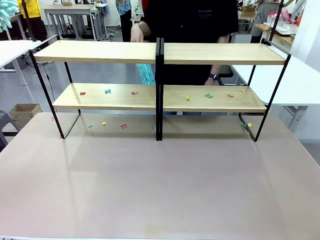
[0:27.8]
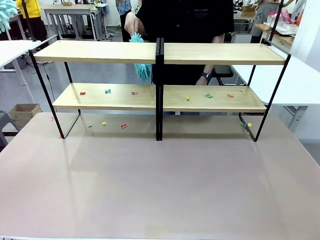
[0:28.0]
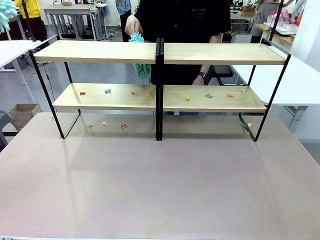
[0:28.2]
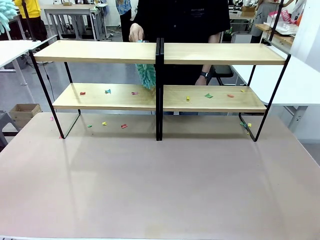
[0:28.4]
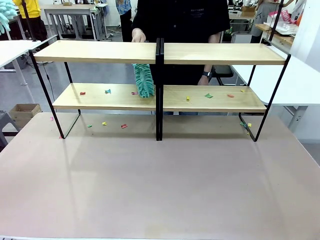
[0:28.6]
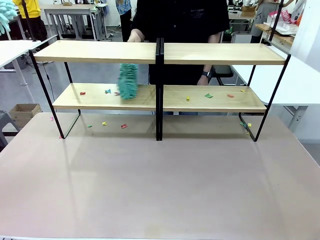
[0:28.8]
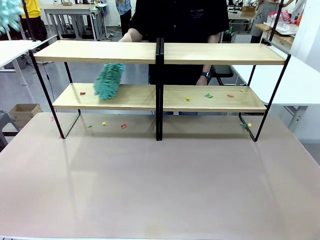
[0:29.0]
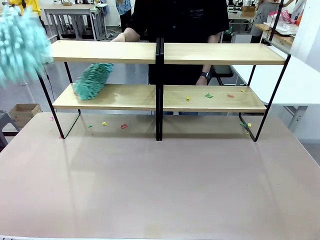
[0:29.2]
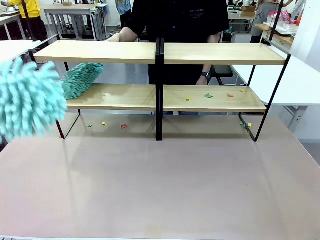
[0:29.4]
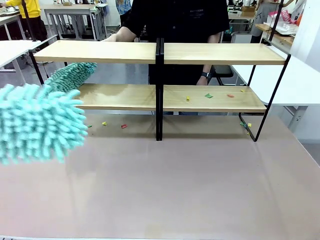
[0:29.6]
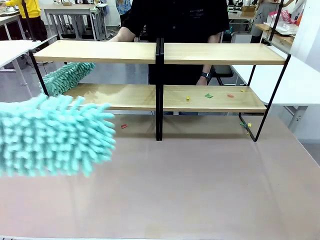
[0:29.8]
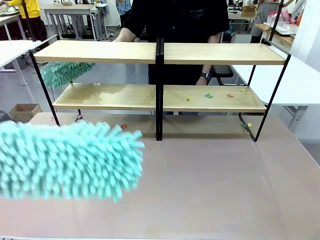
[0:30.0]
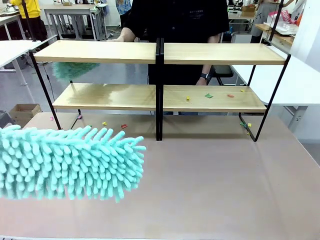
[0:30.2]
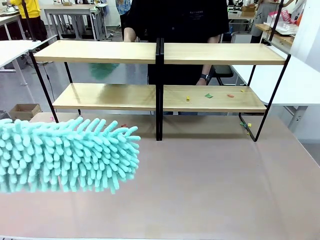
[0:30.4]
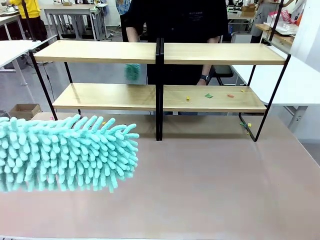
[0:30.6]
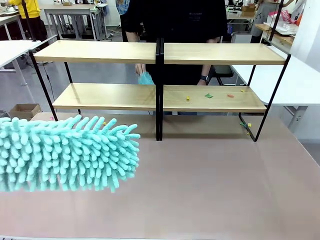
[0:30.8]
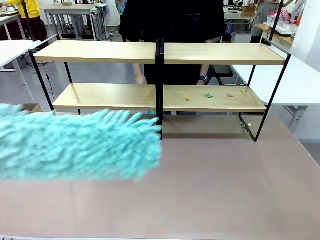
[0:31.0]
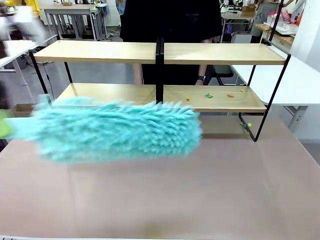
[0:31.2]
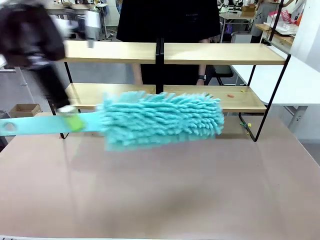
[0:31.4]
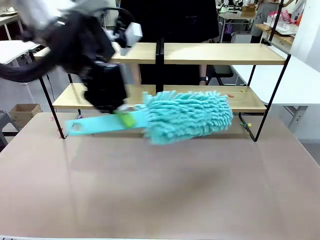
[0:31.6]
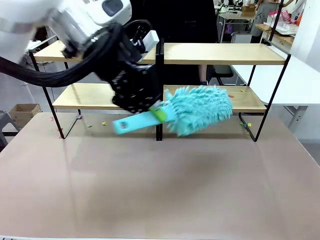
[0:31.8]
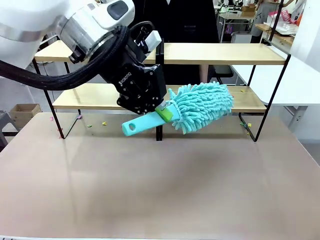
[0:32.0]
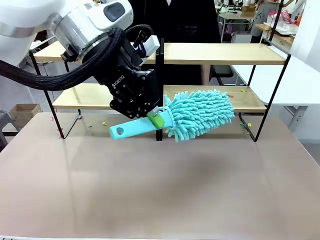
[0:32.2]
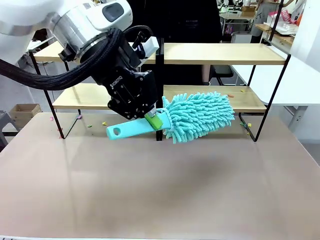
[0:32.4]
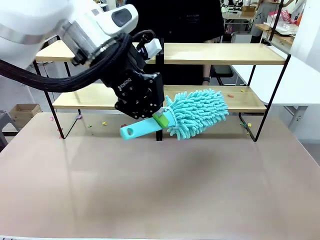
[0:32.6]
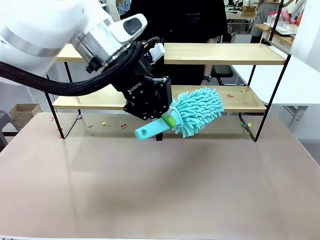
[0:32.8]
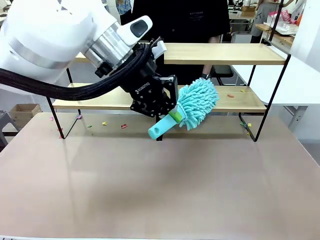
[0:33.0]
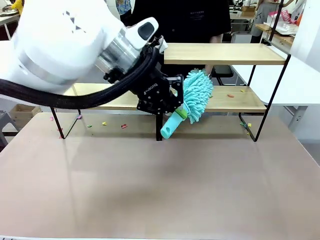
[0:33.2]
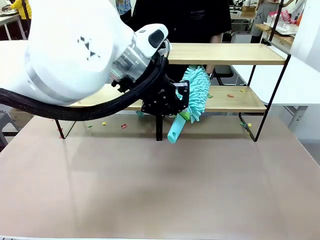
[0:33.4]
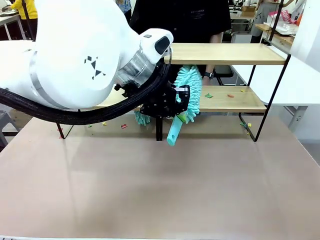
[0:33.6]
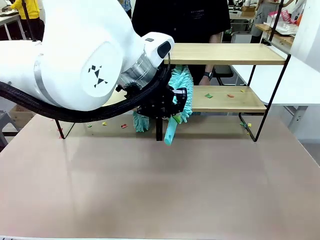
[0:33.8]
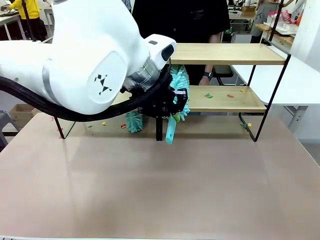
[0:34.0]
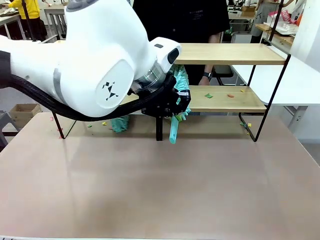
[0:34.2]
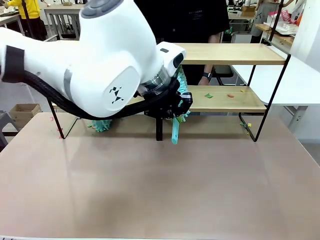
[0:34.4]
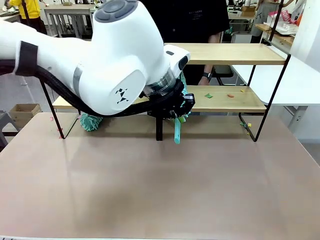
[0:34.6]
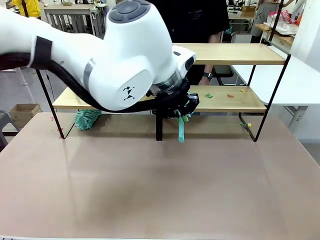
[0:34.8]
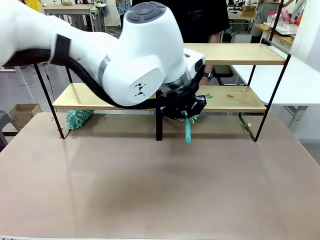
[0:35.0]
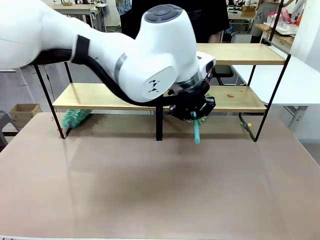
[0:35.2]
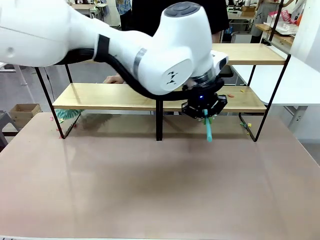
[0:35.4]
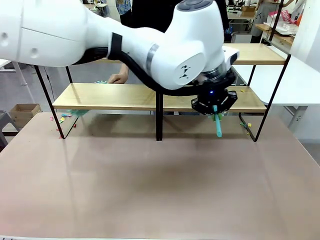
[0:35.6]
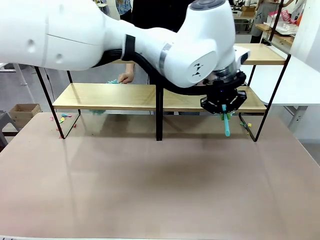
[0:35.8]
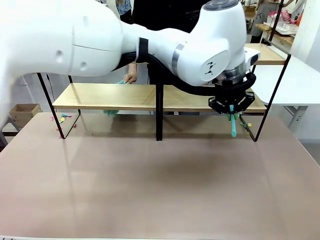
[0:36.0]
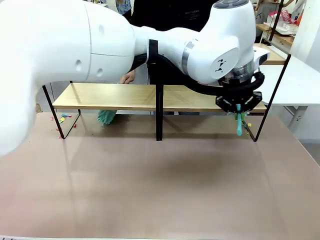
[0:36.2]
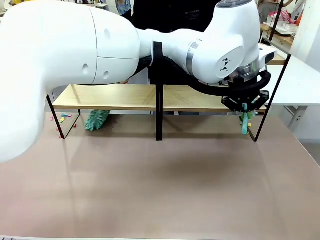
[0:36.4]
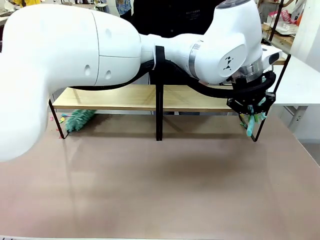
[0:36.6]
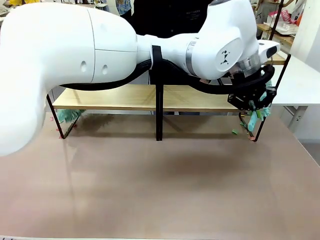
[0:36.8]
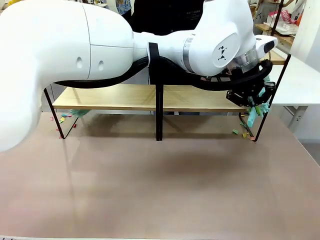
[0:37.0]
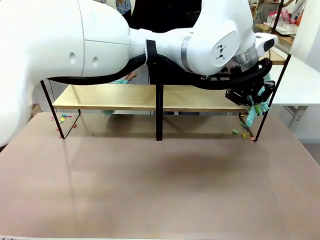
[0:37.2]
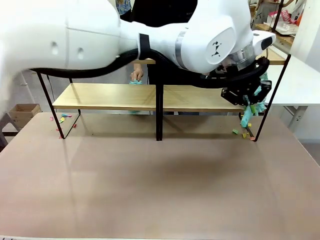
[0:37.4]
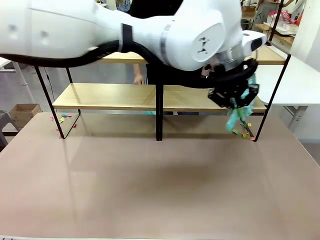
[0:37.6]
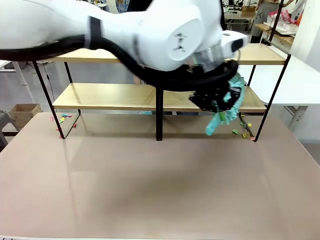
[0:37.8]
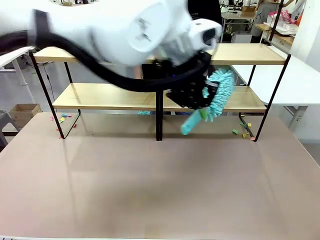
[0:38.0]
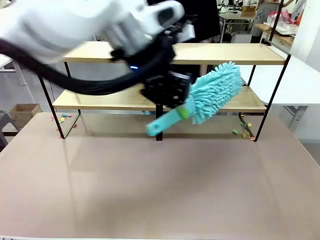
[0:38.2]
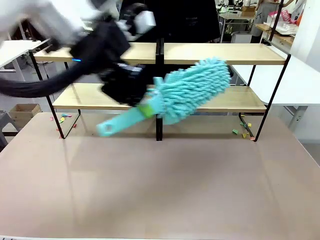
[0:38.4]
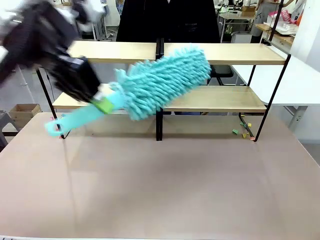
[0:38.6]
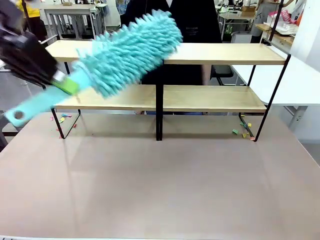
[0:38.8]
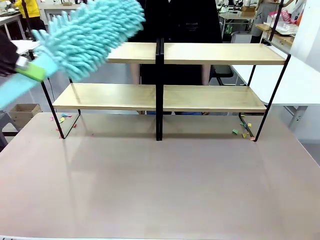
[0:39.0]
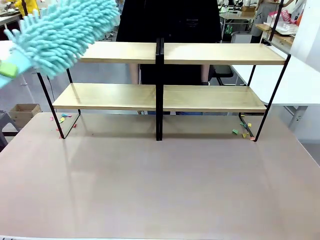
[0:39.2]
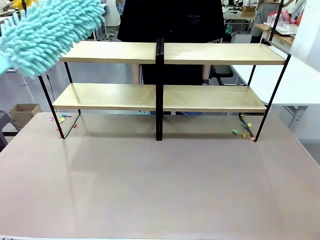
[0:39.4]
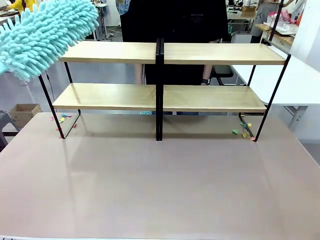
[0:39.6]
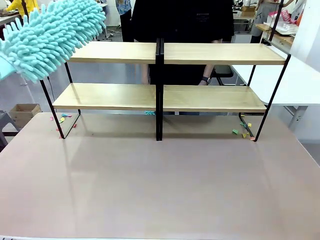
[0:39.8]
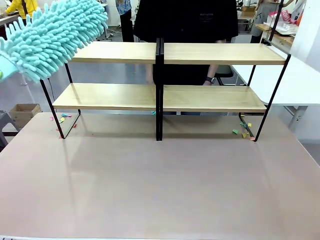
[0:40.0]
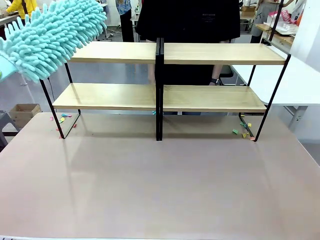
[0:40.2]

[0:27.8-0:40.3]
Task: Clean the shelves.
Robot: Clean another randomly selected level of the Shelf with the Duster.

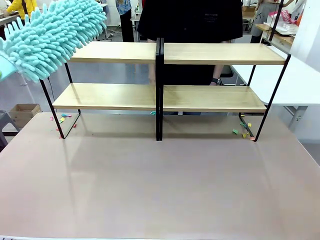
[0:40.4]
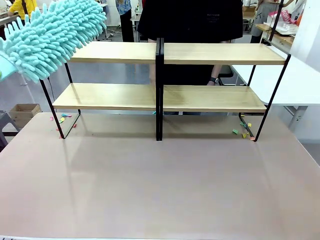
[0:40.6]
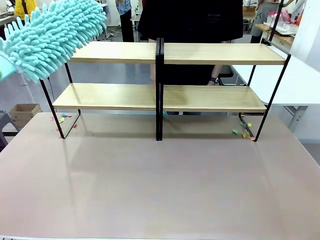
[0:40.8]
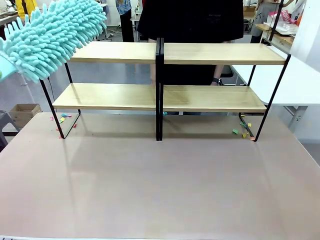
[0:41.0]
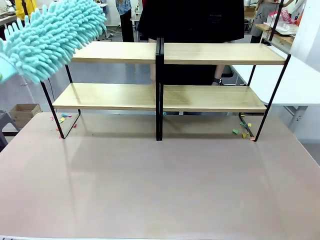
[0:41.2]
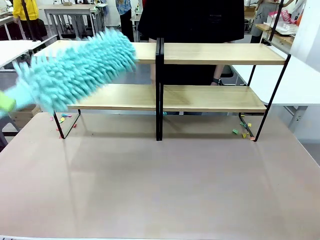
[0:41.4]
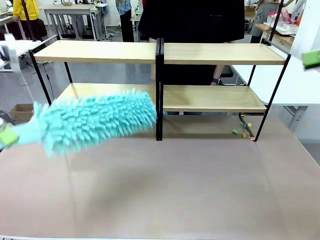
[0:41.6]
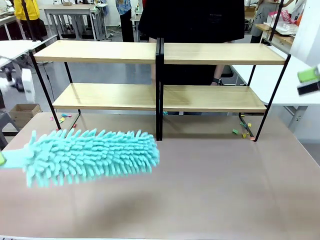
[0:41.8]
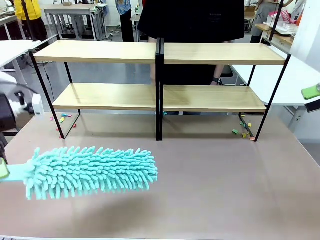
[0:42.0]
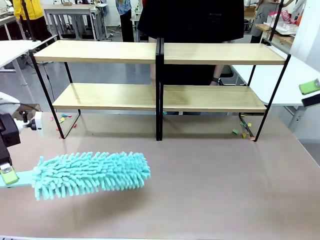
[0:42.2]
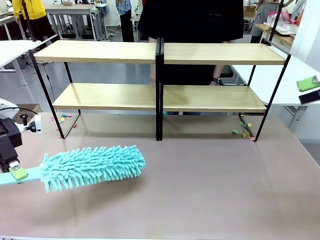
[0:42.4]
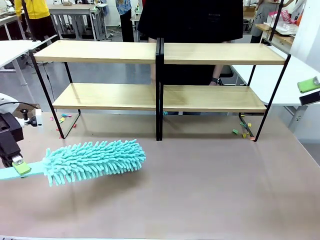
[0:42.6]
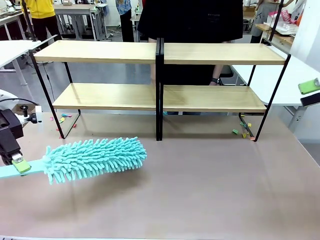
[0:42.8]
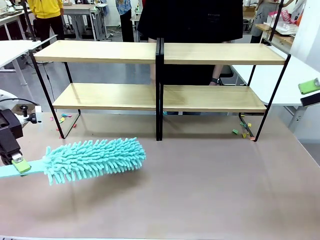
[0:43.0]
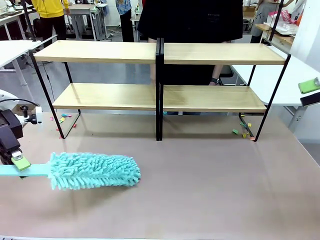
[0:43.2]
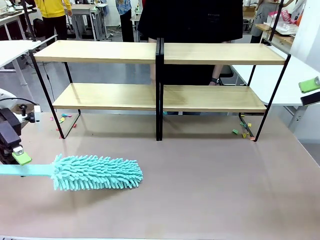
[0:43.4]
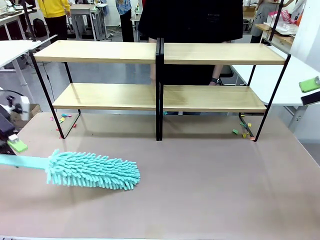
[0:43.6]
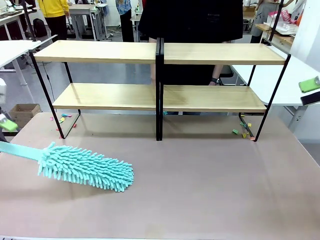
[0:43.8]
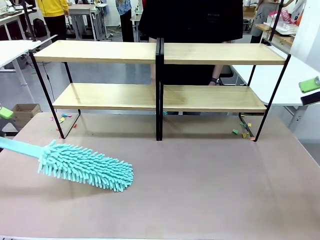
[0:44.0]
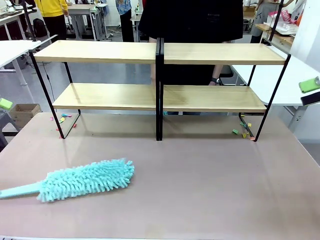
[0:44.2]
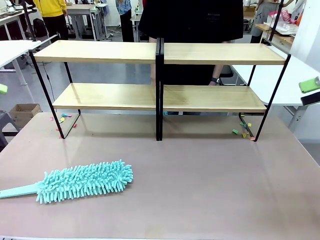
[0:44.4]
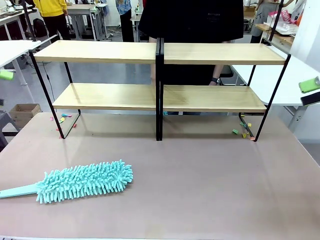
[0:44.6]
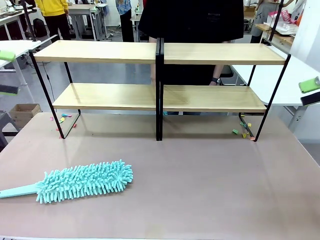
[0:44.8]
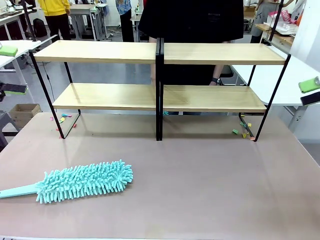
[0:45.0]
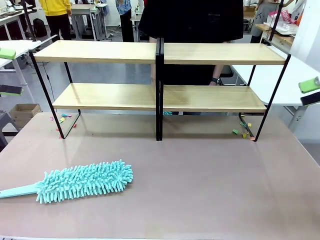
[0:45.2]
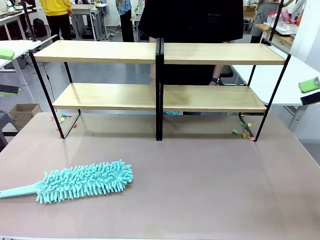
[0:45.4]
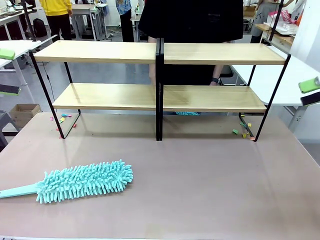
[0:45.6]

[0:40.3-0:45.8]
Robot: Place the Duster on the table.

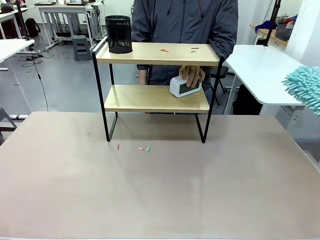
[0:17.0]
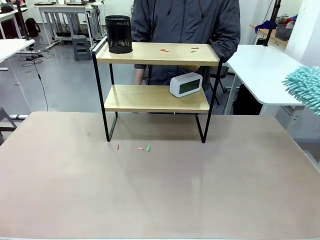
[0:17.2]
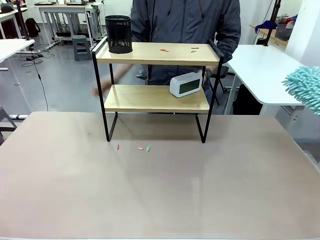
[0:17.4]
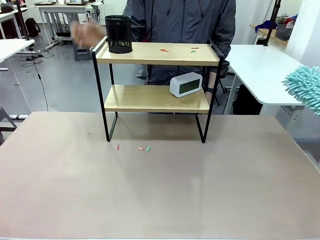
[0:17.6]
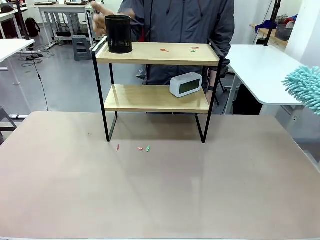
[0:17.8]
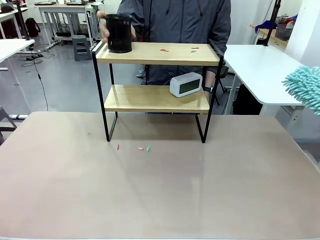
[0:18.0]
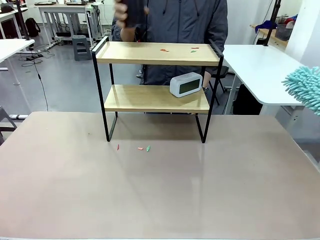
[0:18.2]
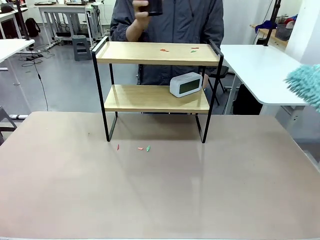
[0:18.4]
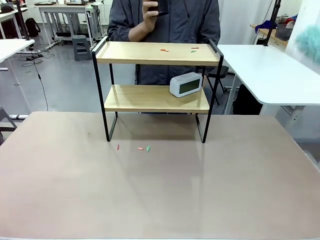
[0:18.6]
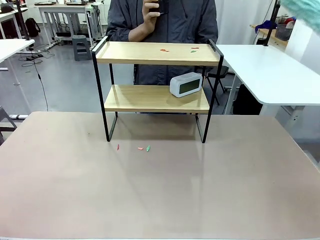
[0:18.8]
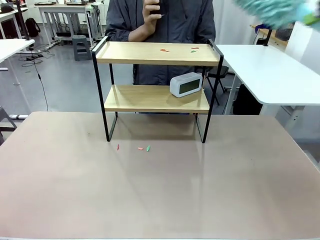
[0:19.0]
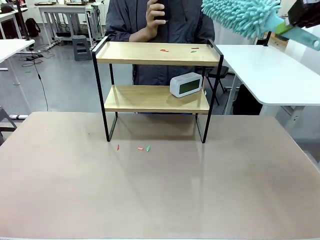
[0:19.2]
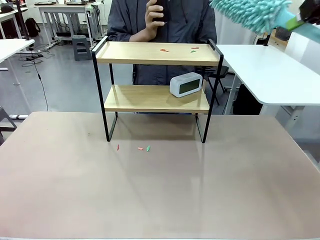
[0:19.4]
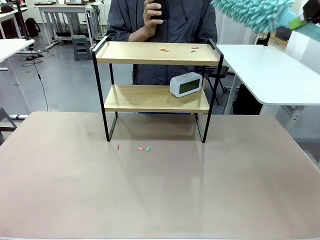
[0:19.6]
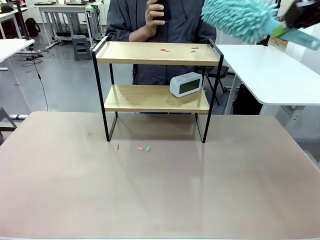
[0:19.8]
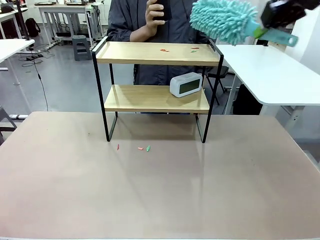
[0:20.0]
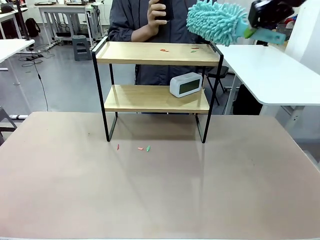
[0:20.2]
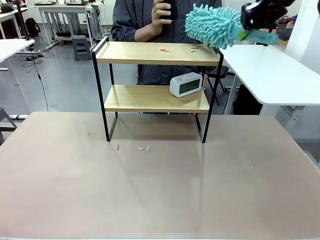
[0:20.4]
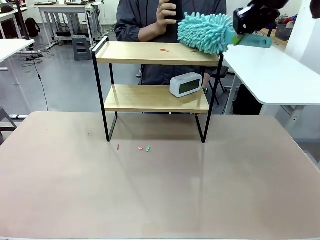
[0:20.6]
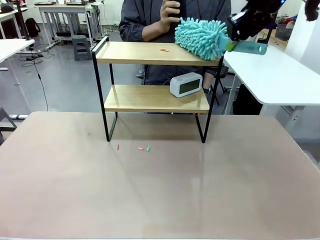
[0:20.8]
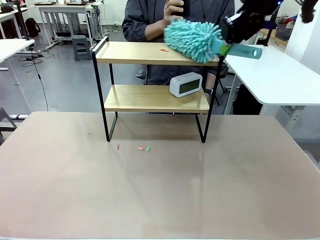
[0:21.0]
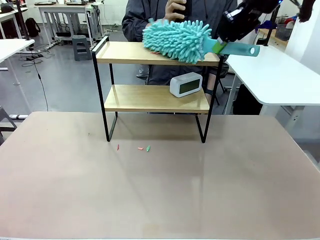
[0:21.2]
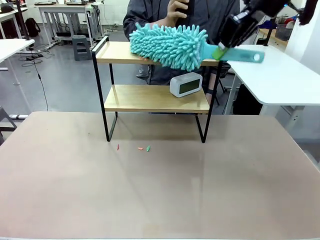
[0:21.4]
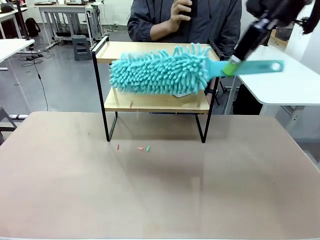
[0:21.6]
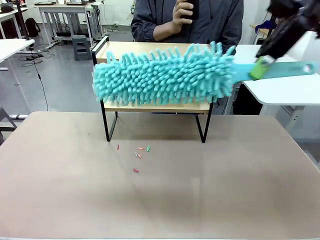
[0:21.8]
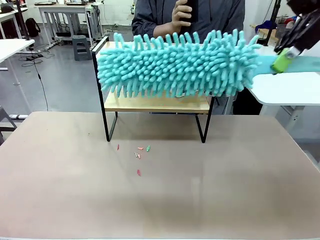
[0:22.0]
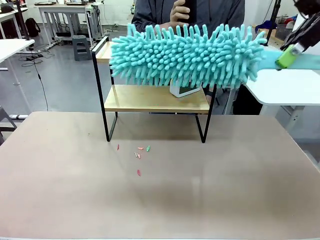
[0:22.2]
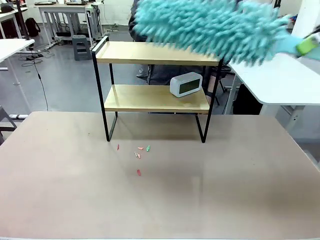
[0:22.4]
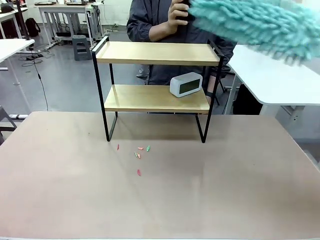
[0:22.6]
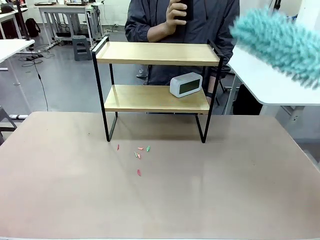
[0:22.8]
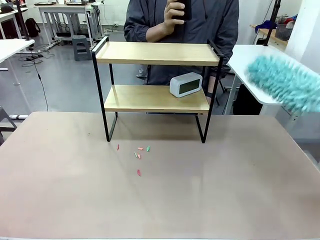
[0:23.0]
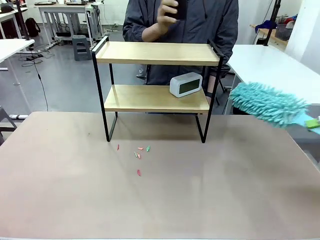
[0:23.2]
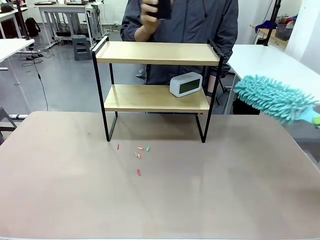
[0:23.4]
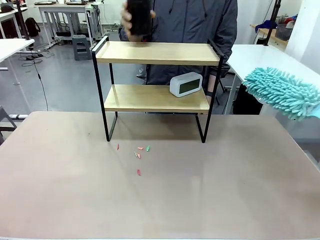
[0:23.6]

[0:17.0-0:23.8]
Task: Clean the shelf.
Robot: Clean the remaining tier of the Shelf with the Duster once objects are removed.
